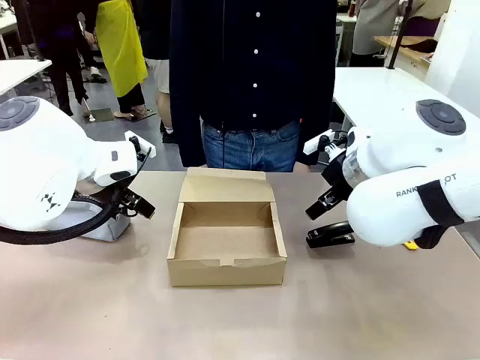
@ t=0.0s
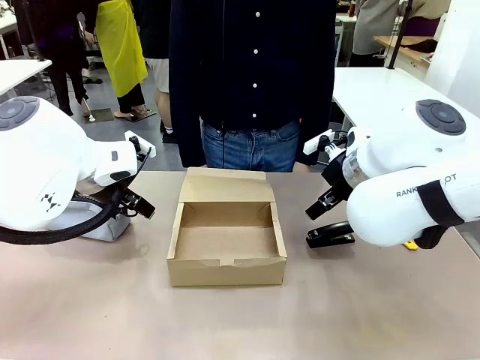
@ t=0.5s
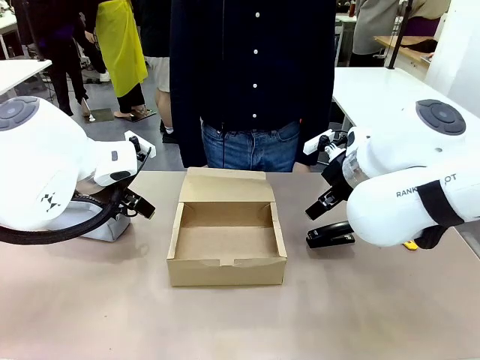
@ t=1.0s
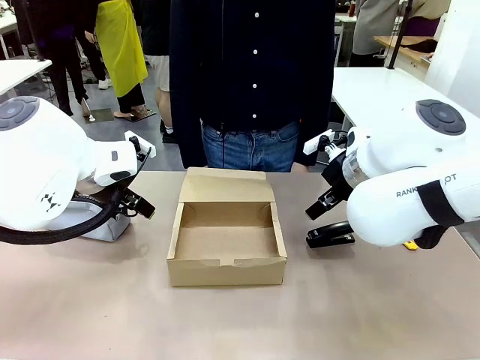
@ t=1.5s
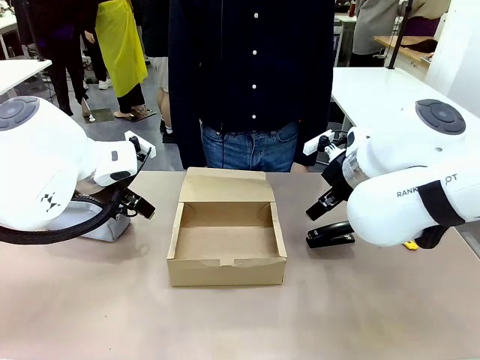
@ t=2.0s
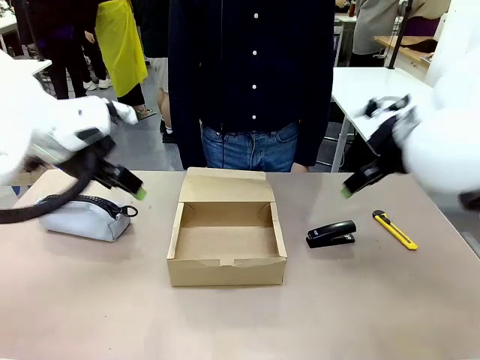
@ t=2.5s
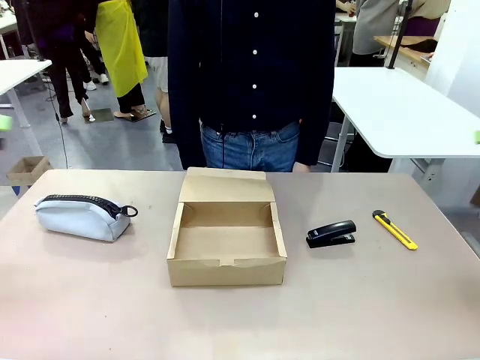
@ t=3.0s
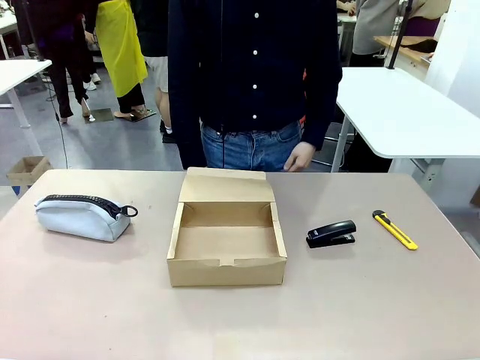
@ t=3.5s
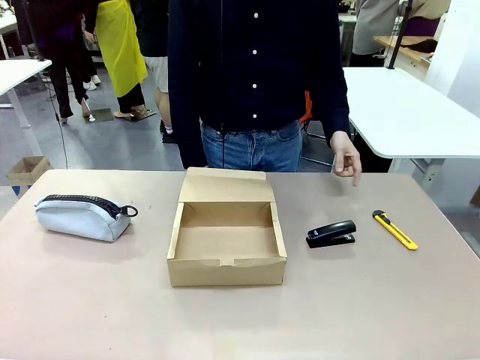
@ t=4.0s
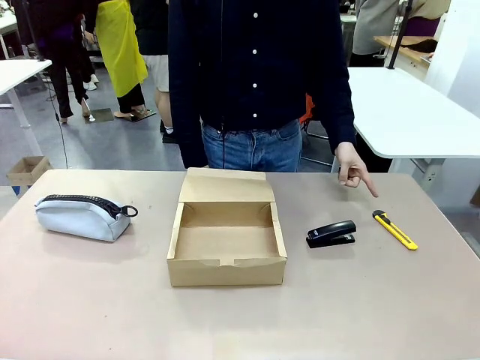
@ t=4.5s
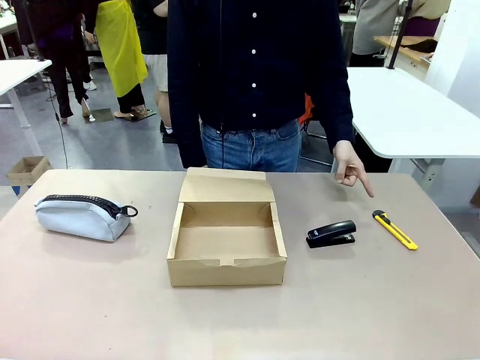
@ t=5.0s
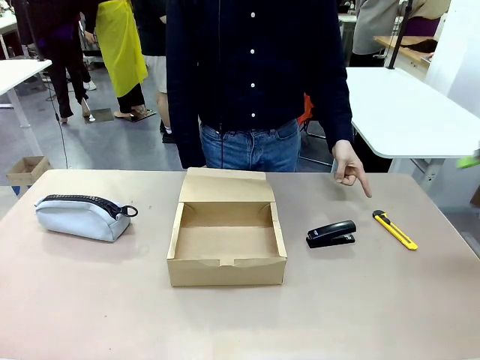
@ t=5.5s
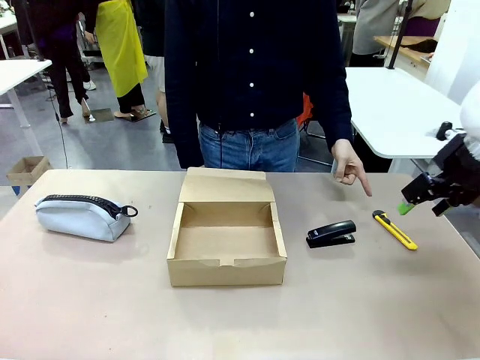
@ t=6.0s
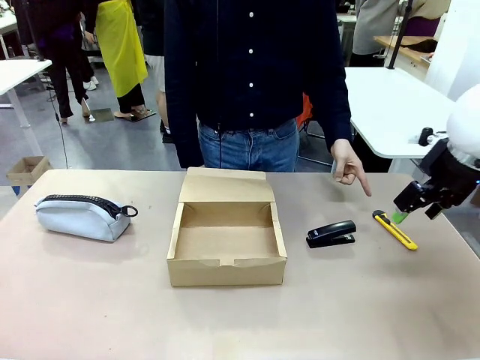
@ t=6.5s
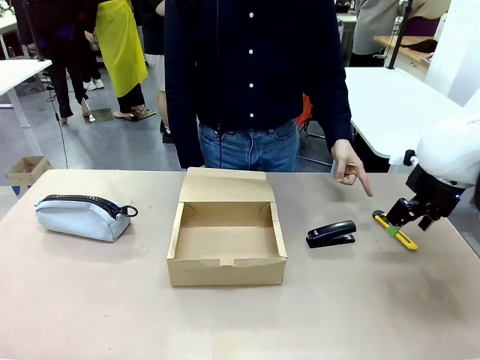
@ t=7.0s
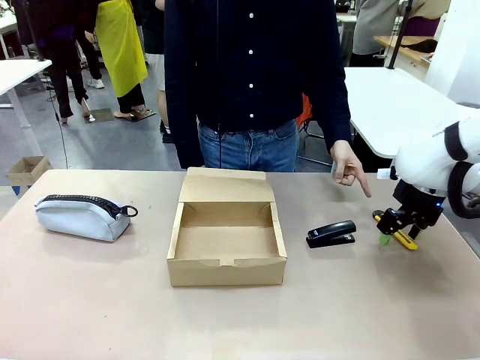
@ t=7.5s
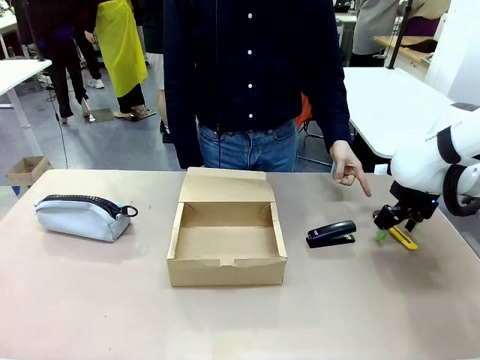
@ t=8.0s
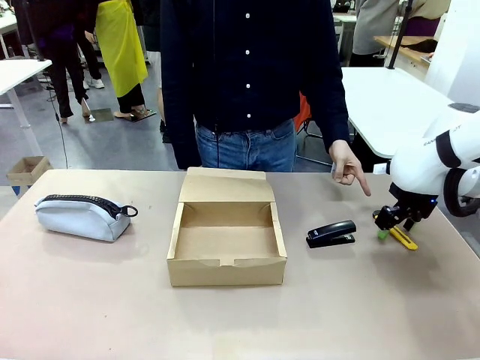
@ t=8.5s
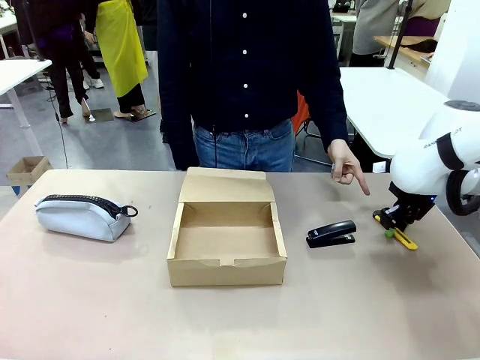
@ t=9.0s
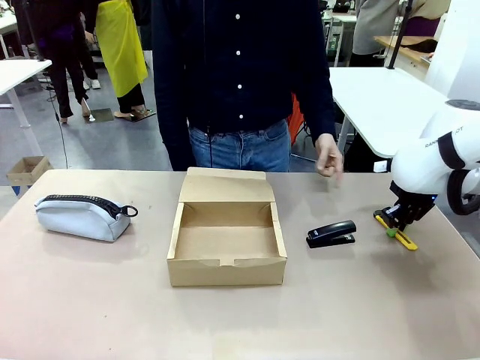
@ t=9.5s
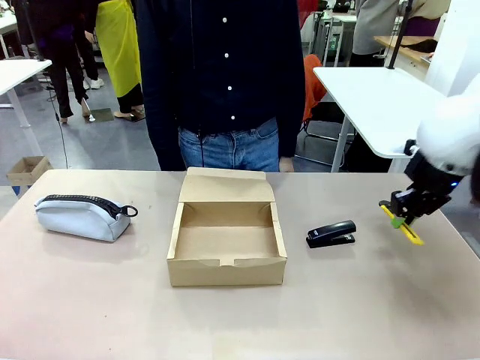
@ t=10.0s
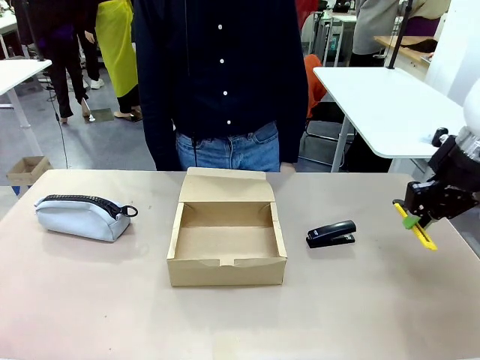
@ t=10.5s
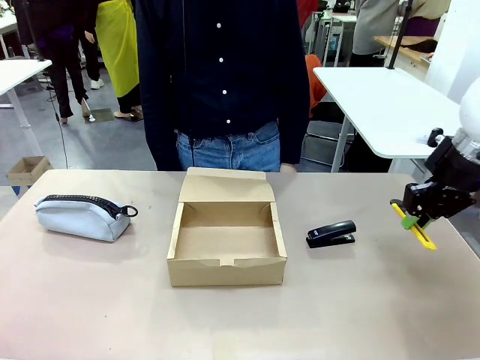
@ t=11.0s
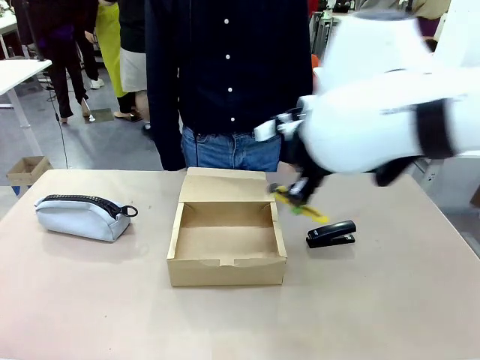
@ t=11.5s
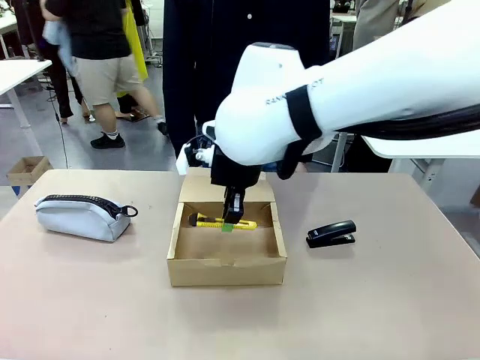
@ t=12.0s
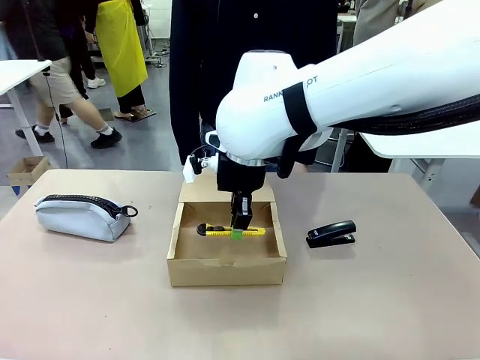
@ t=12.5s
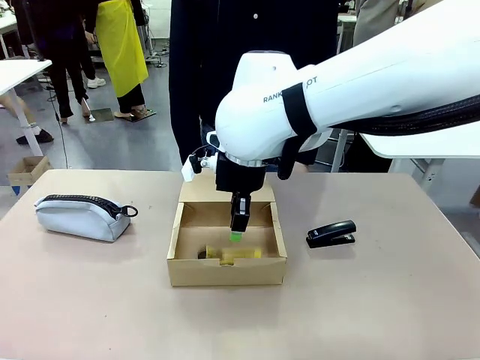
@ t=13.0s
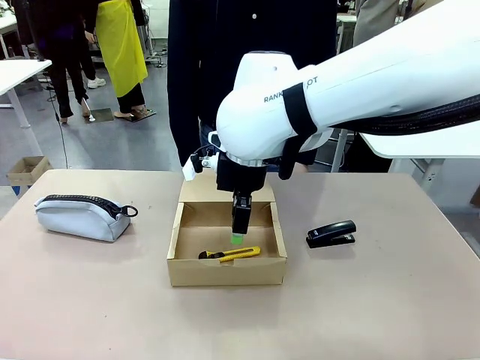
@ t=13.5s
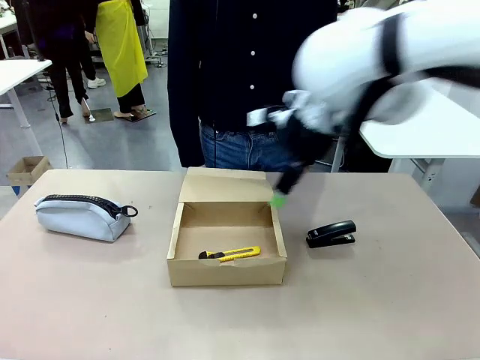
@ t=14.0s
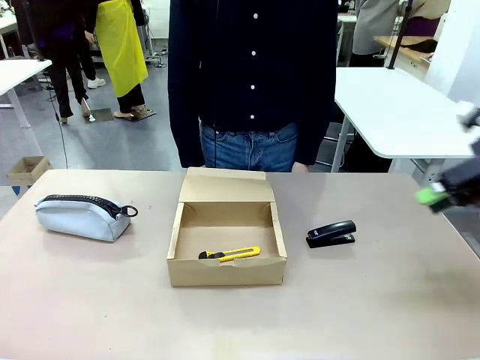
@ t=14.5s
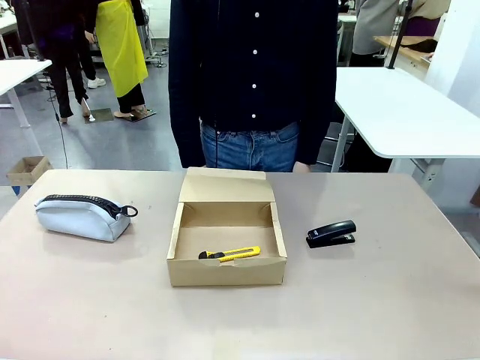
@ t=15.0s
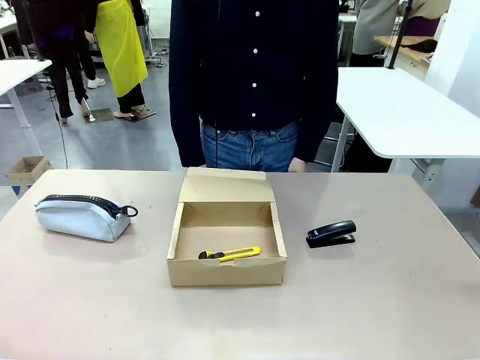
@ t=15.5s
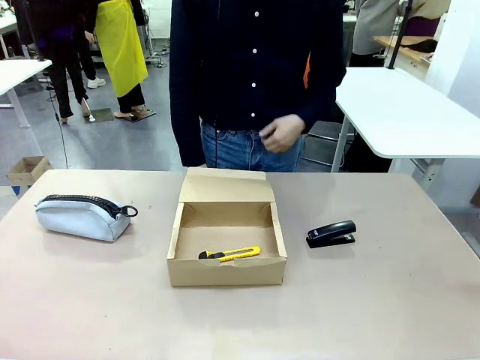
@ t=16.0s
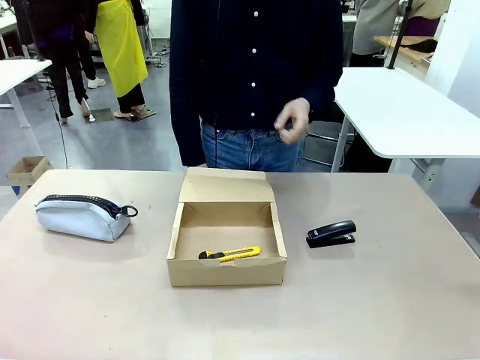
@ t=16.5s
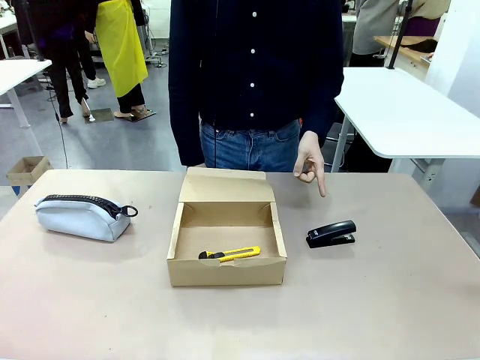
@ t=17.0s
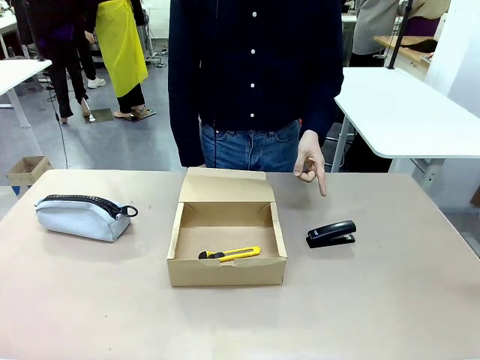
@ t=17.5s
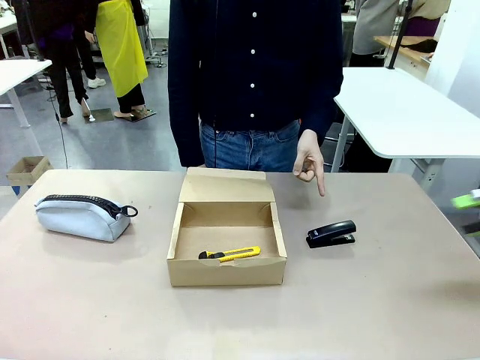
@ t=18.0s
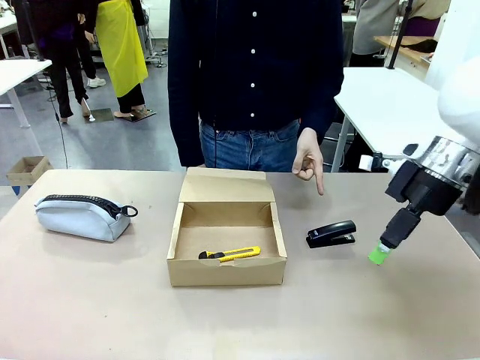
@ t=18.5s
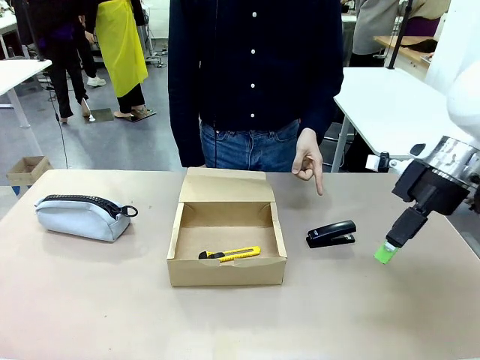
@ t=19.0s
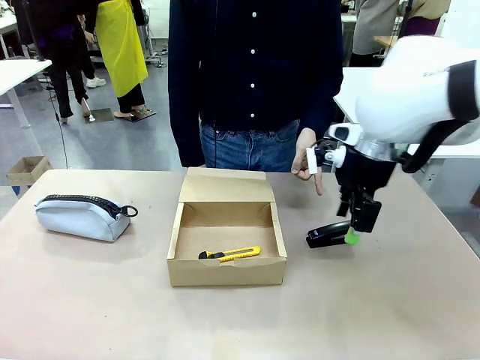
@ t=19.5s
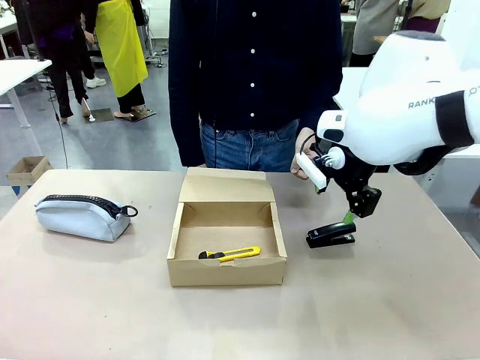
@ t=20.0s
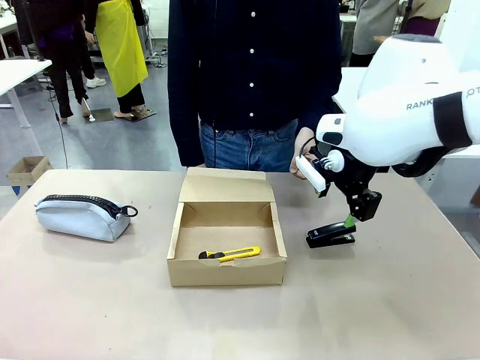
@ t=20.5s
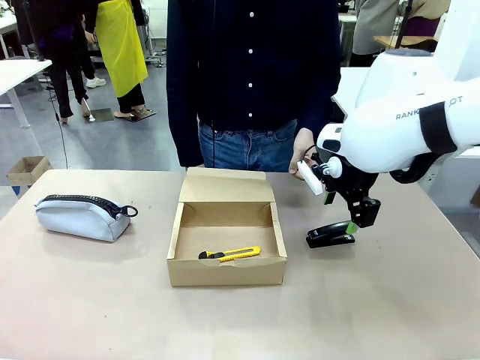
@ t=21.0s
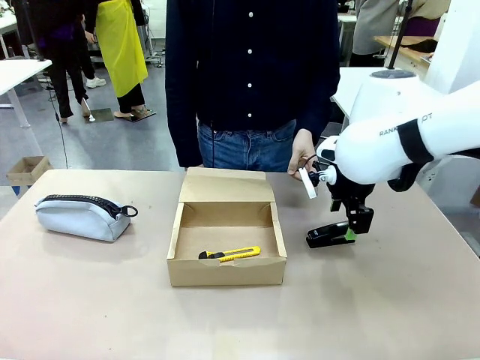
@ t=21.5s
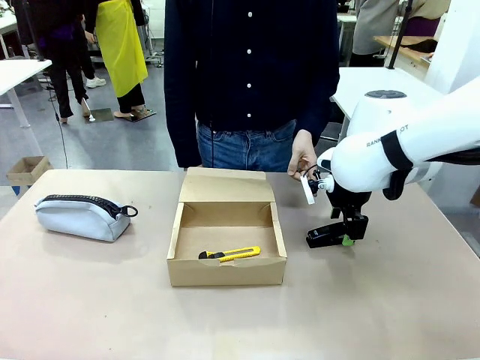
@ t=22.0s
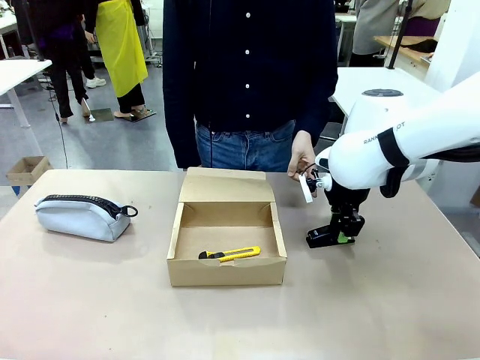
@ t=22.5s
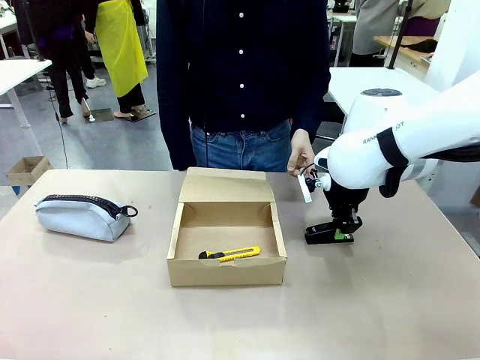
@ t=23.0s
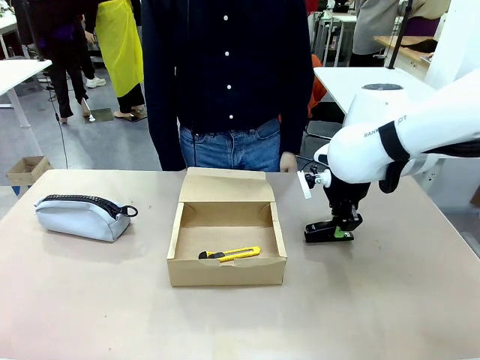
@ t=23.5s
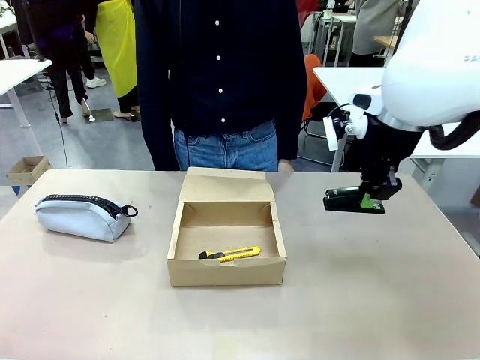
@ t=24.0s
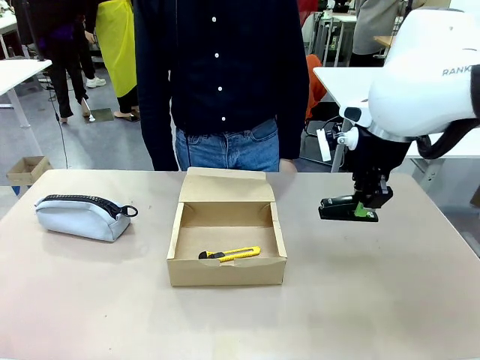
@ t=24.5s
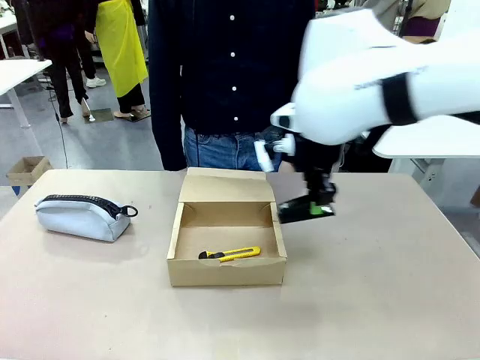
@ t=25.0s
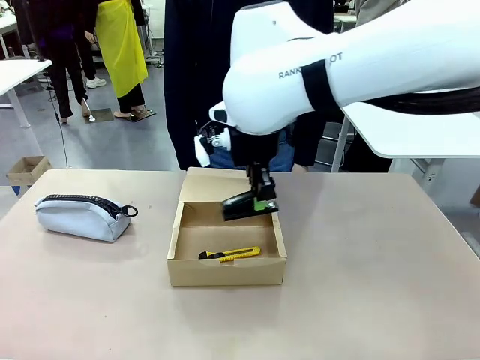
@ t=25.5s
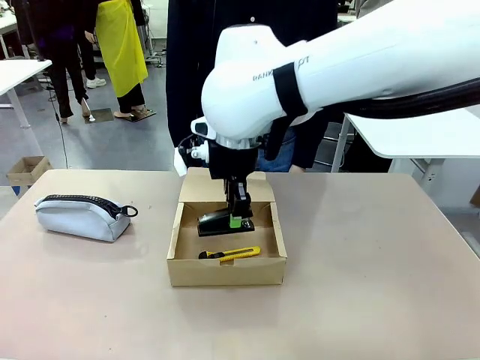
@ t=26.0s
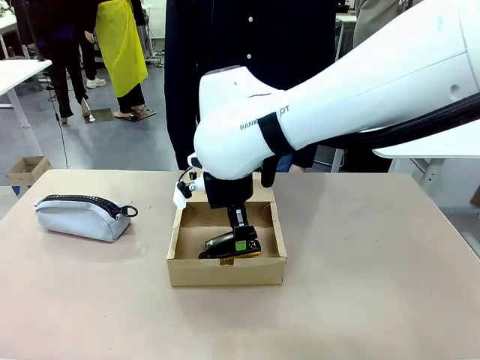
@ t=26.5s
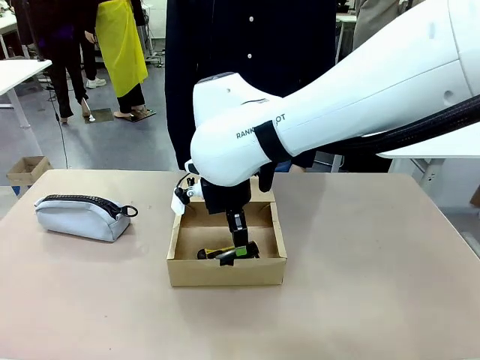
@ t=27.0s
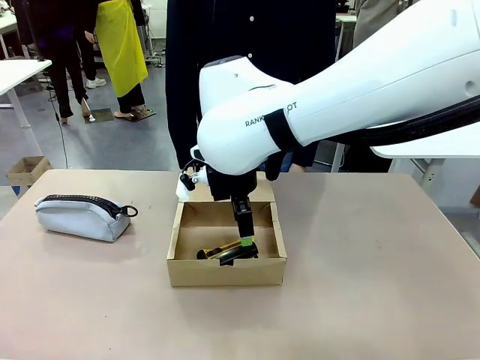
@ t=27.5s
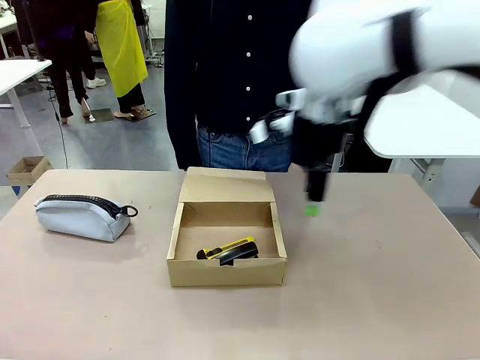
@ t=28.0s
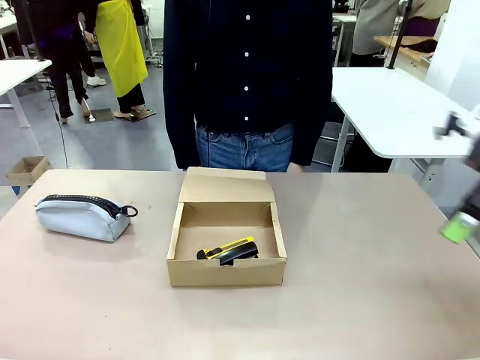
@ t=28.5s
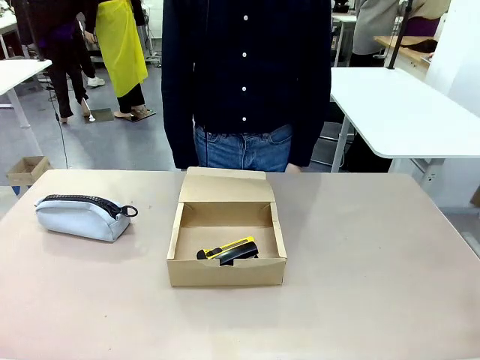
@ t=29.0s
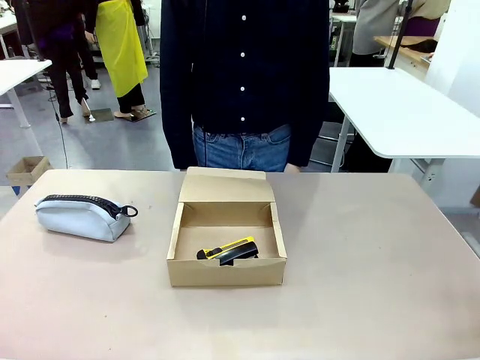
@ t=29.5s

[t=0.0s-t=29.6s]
Task: Pack the items into the box.
Robot: Pick up the item specified by the human and place it in the Mailer Box.
Person: Point at one item on the table (excluding the box). Lower both hands vertically with palms facing downward, as if pressing something closed.
